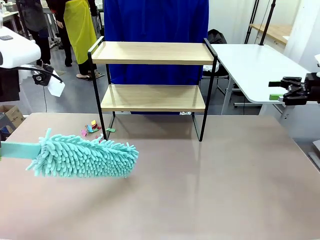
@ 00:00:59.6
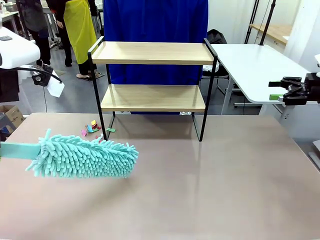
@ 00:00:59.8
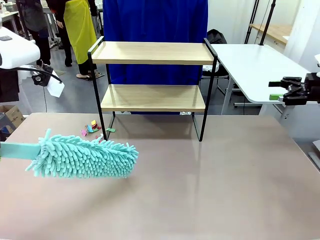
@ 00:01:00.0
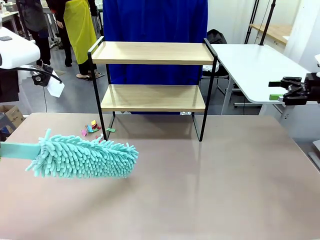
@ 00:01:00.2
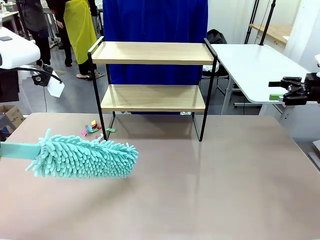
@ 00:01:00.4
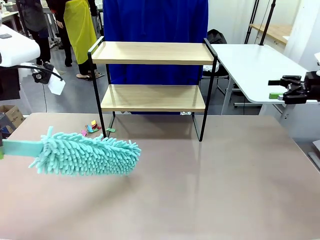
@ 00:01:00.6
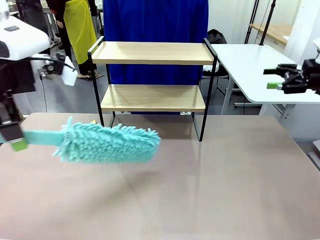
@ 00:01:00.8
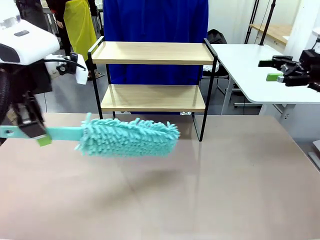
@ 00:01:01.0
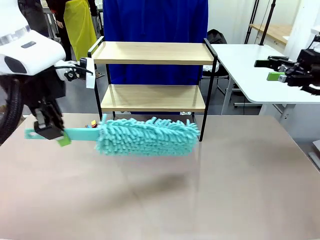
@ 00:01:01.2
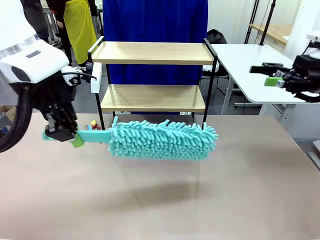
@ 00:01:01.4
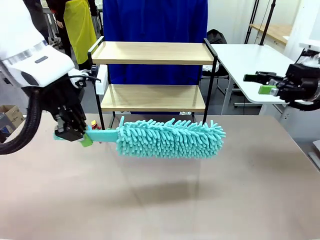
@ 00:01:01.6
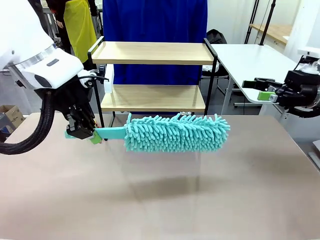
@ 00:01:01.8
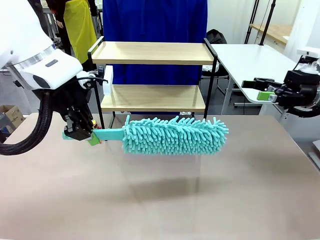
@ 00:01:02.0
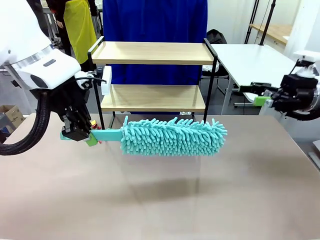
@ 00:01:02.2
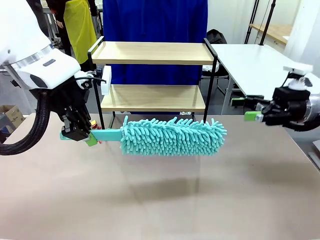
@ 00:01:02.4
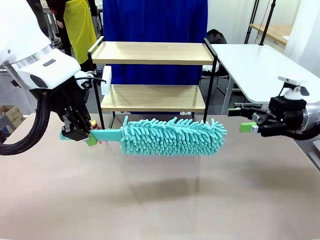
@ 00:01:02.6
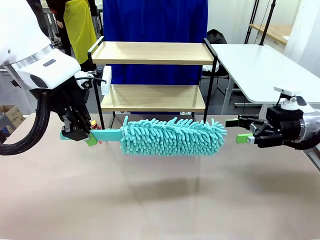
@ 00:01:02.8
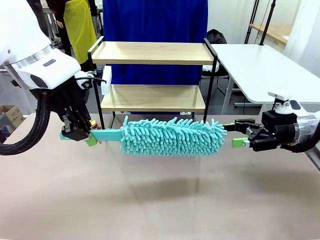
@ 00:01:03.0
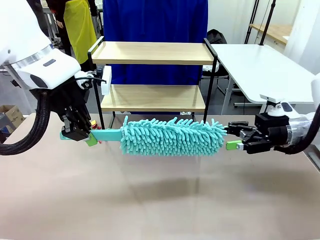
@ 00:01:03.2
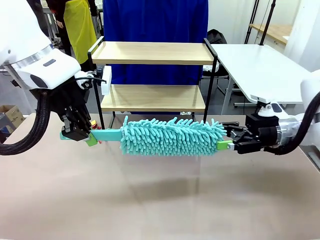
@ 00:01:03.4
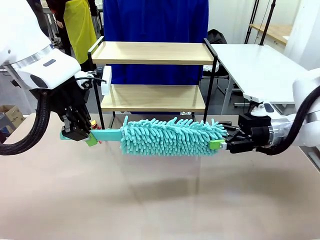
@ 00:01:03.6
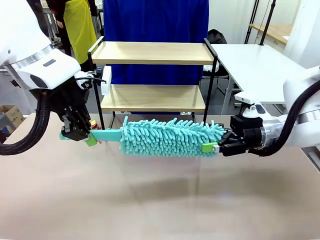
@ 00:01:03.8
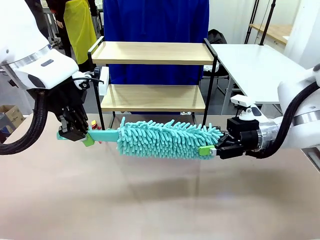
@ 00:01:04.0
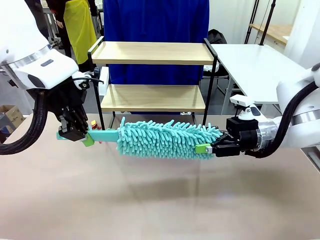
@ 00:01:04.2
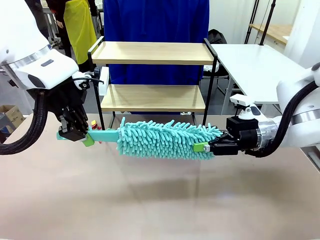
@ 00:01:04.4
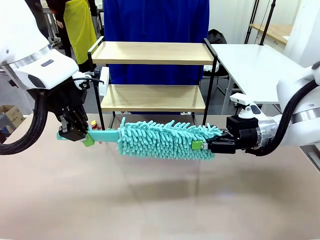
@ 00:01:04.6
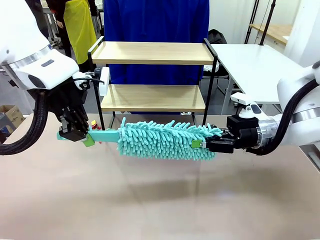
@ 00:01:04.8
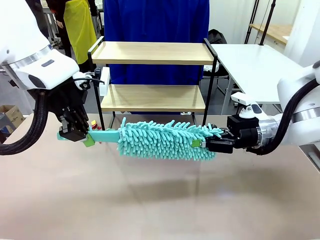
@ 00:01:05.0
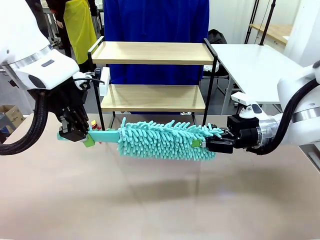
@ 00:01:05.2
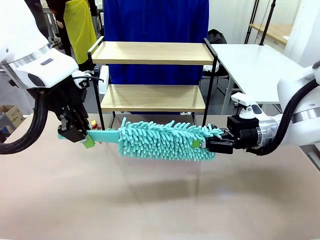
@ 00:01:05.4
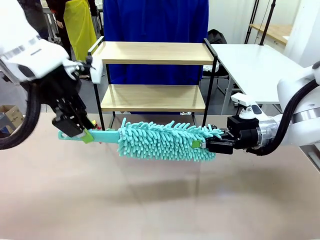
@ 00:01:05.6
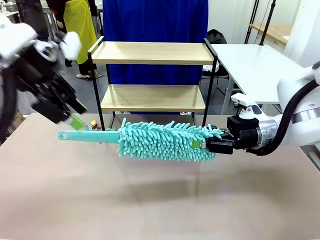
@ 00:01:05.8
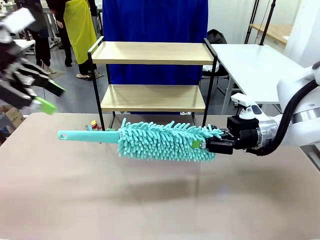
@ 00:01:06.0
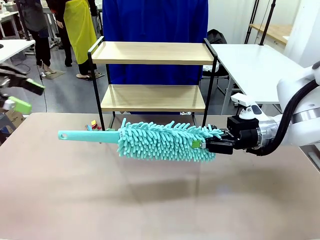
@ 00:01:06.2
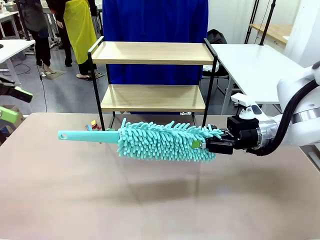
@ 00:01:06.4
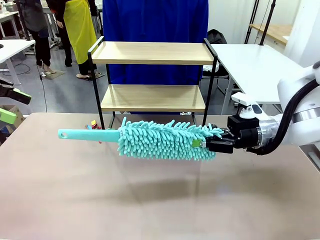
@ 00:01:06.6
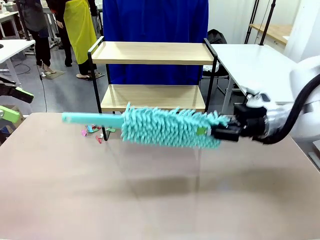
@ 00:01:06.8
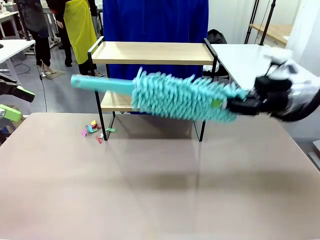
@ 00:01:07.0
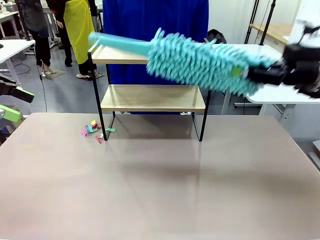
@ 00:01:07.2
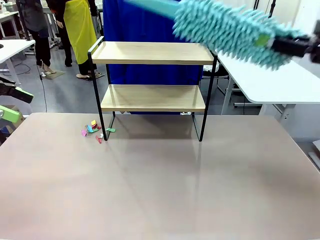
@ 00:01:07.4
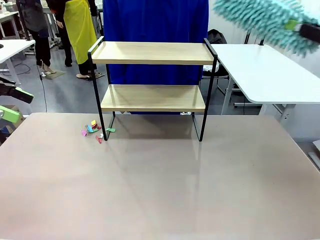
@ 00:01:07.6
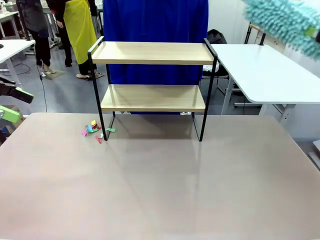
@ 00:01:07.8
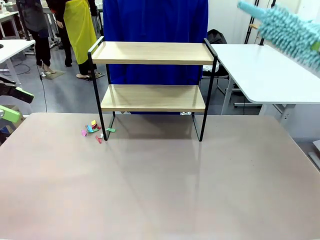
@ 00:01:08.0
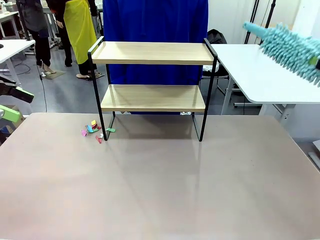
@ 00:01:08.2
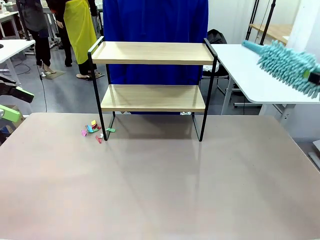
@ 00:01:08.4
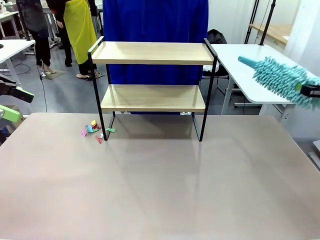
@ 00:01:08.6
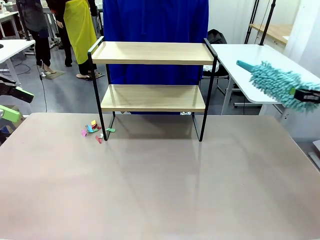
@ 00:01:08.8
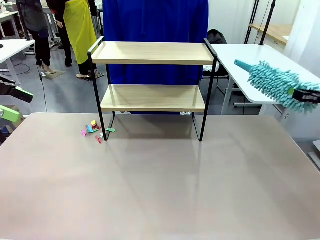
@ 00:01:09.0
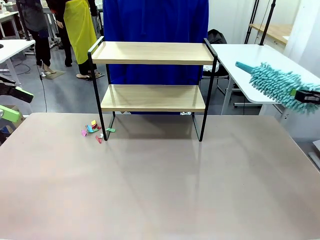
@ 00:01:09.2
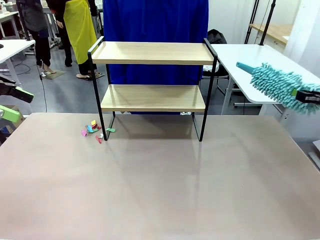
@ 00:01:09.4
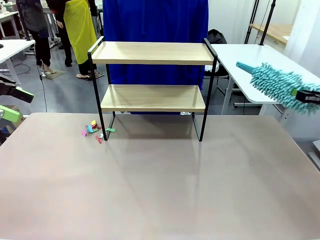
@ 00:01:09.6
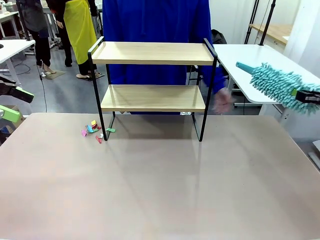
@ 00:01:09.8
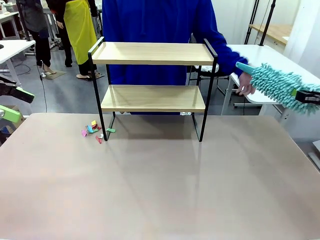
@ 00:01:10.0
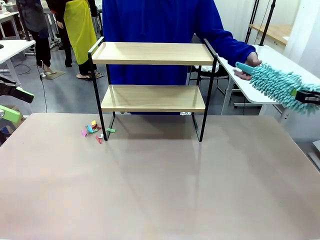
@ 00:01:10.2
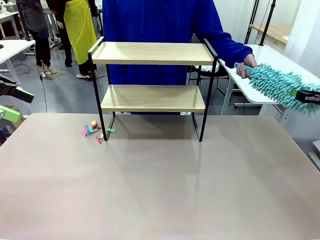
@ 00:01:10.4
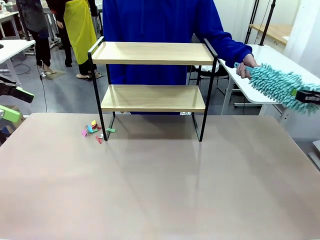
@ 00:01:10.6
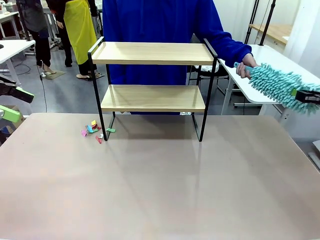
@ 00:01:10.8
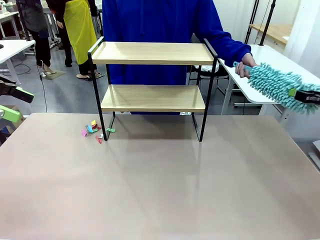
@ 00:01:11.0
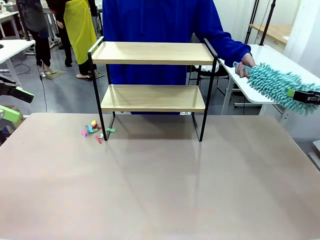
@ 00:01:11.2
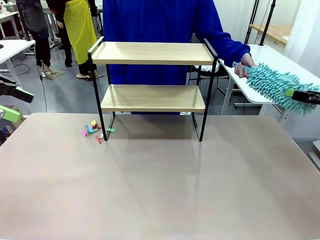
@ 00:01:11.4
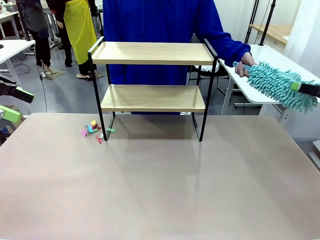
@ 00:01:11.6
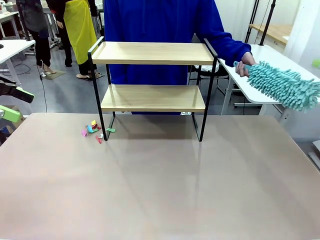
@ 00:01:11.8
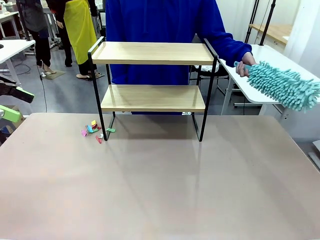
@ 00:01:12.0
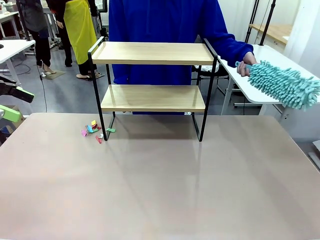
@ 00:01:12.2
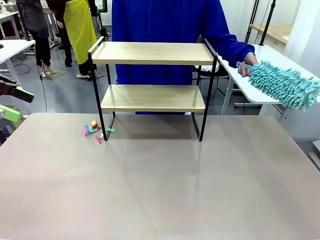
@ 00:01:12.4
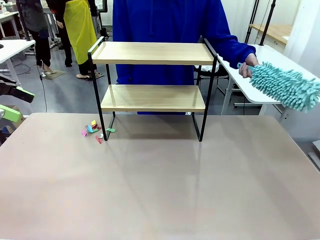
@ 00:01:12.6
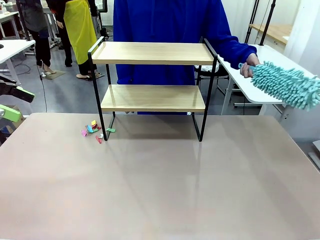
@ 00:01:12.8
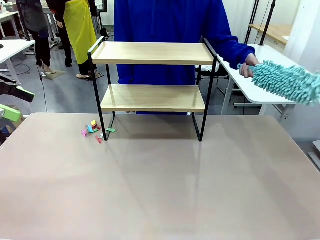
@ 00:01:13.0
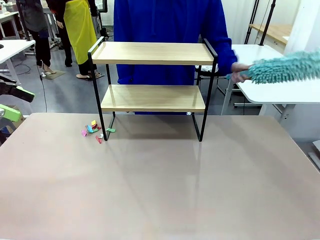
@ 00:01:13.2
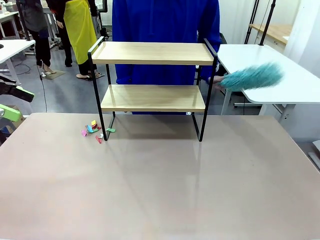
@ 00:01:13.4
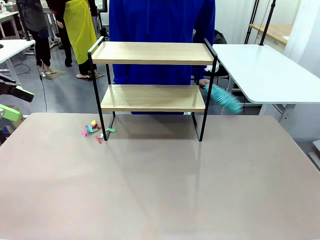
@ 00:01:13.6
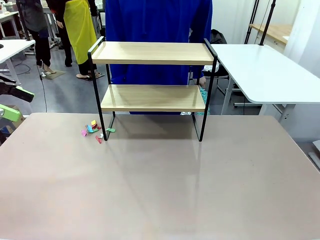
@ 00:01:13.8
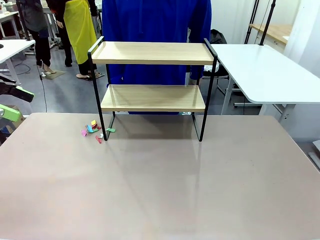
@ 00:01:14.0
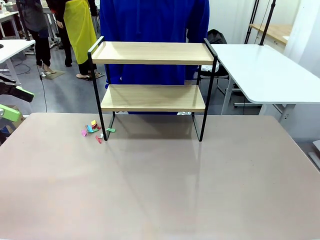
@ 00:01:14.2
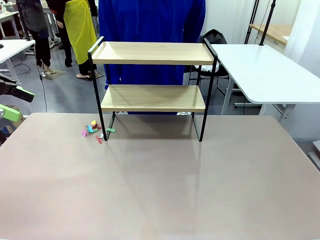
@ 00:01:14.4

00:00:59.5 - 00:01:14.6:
Task: Clean the shelf.
Robot: Hand the Duster back to the human.
Person: Receive the Duster from the robot.
